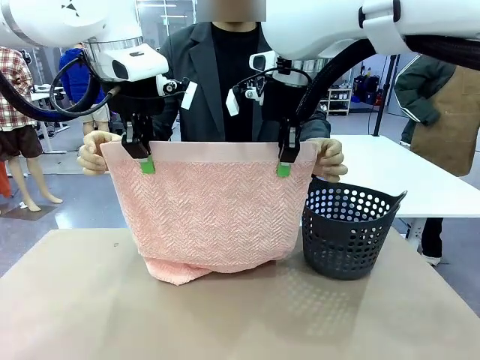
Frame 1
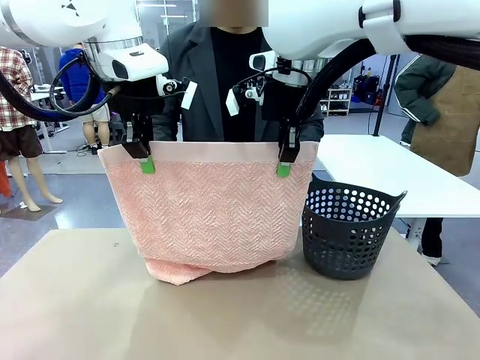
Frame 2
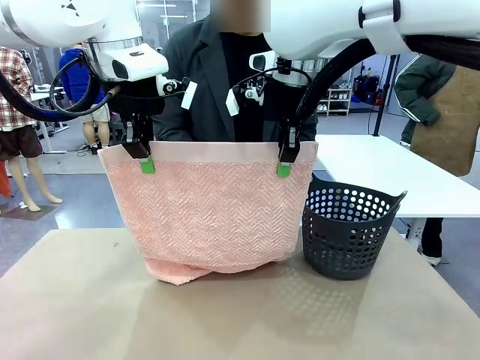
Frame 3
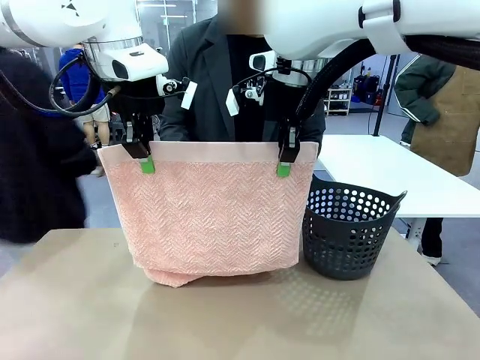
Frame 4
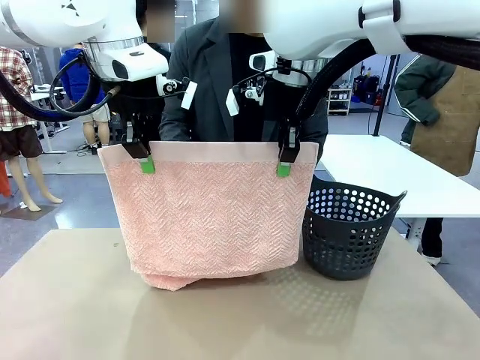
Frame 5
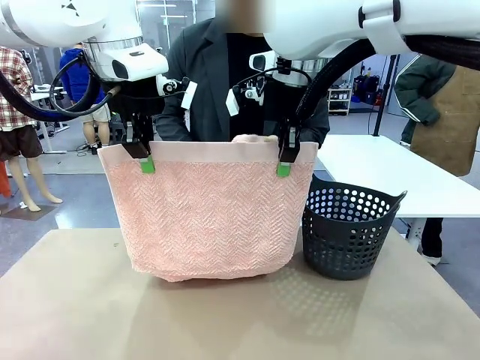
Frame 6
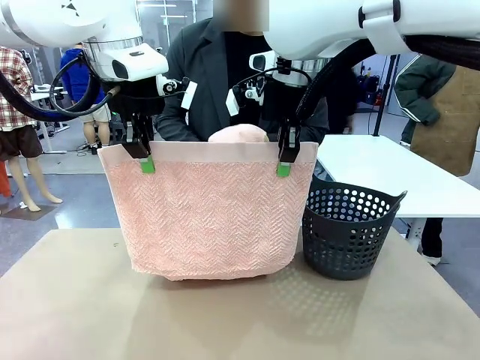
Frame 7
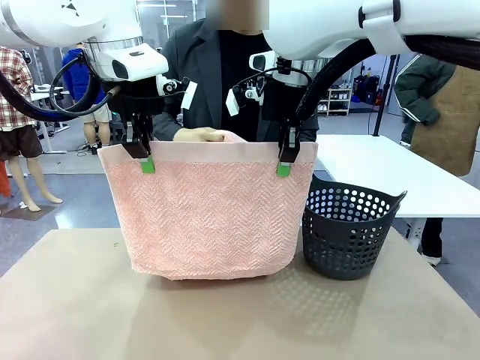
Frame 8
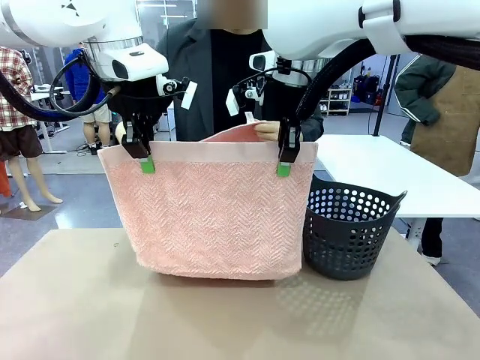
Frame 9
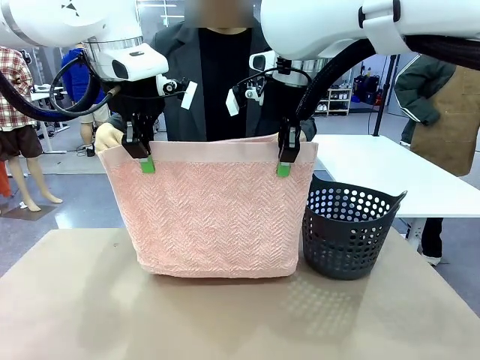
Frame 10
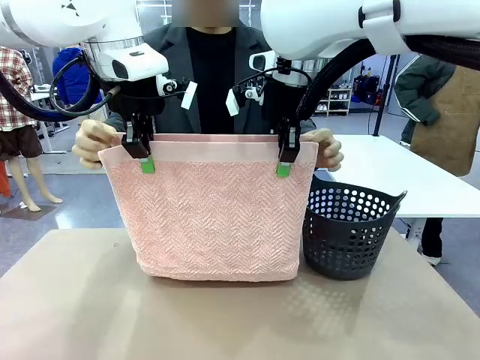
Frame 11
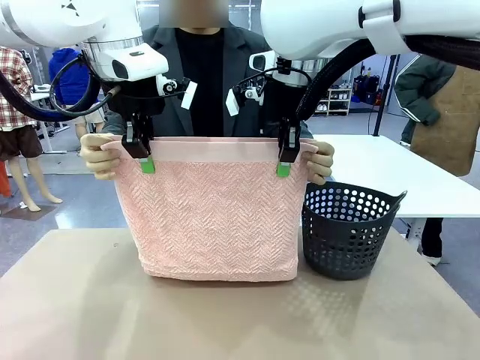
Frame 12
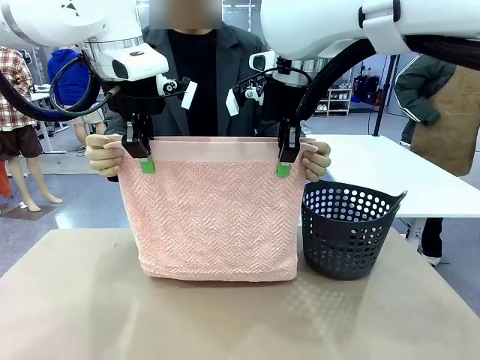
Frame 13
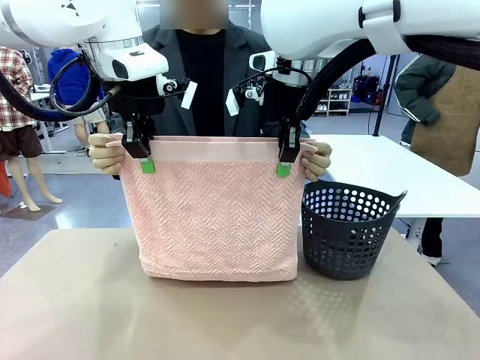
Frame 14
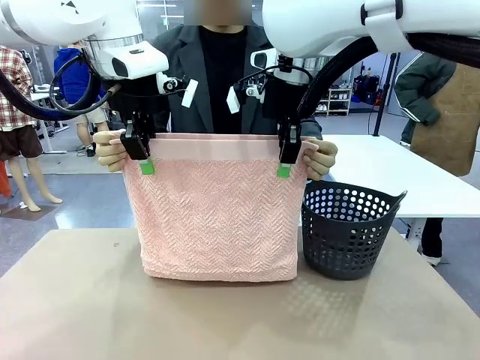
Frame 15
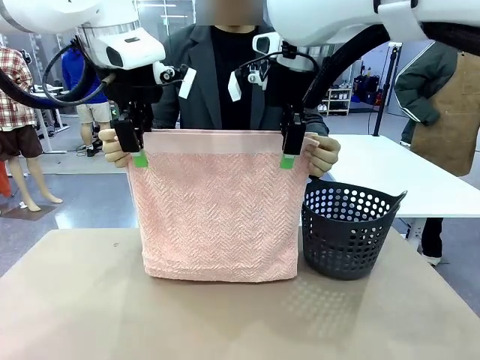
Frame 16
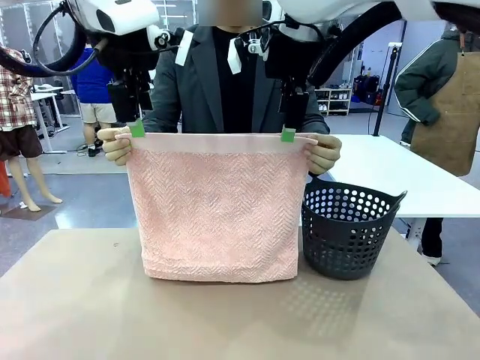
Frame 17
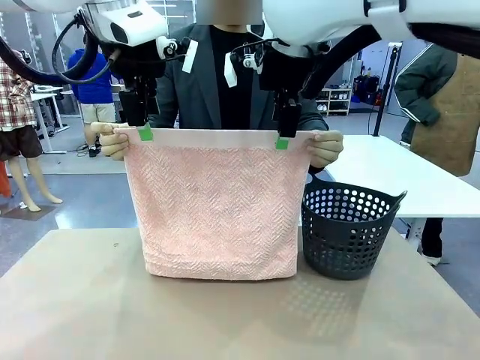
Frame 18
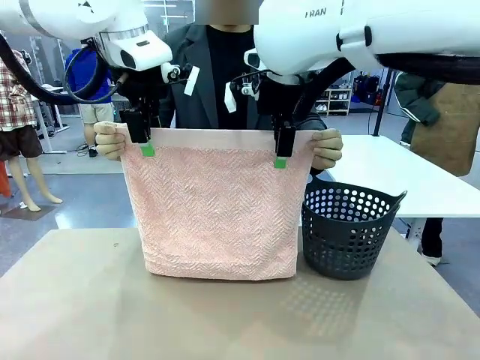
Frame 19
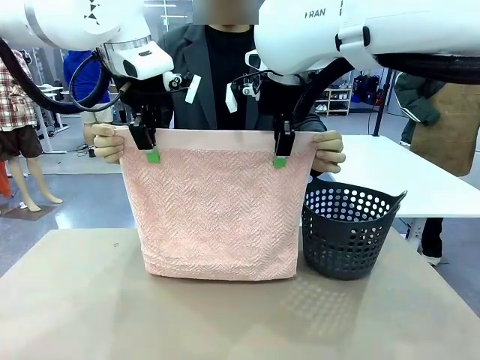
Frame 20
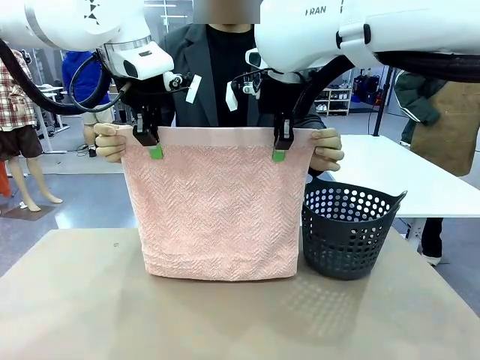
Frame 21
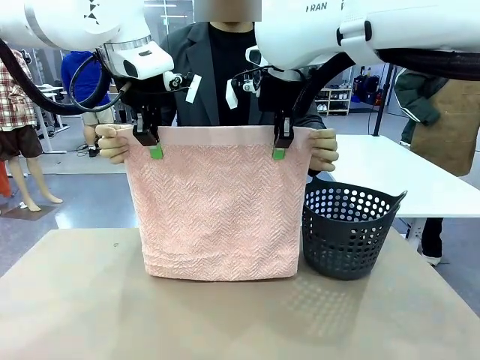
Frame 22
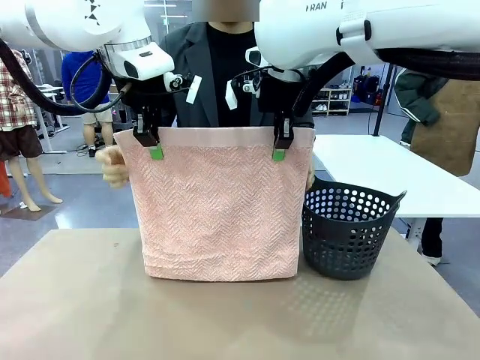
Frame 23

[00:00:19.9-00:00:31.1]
Task: Fold the towel.
Robot: Release the end of the 100 cm Hotel Towel you were holding and grab the top end of the folded side.
Person: Using the point held by the robot as a reference, grasp the opposite end, fold the towel in half, and then hold both ends of the folded towel.

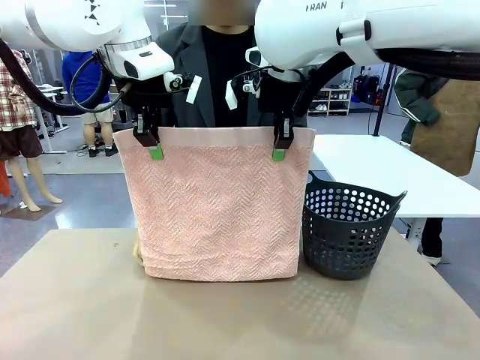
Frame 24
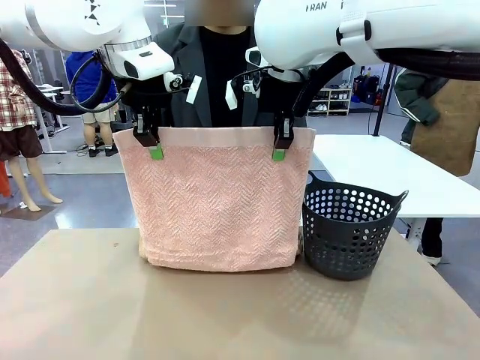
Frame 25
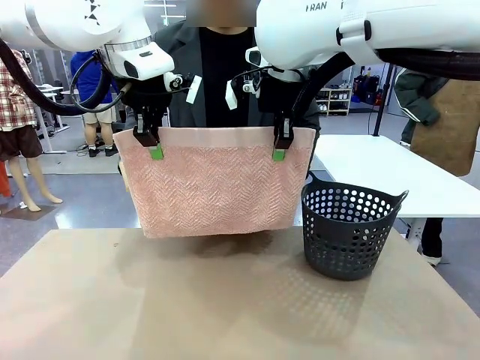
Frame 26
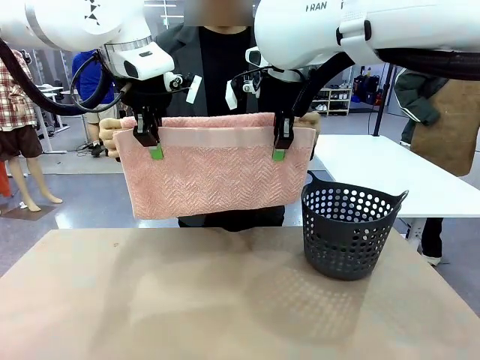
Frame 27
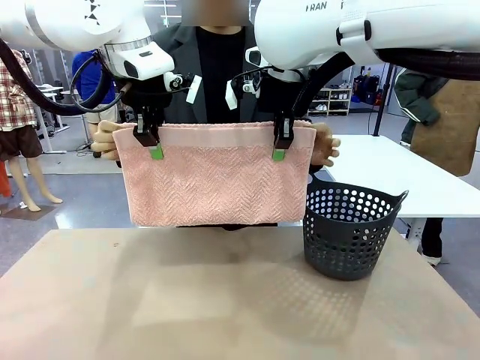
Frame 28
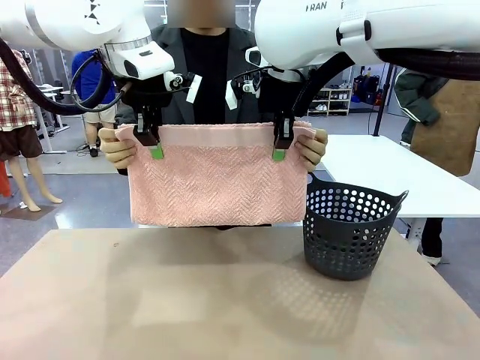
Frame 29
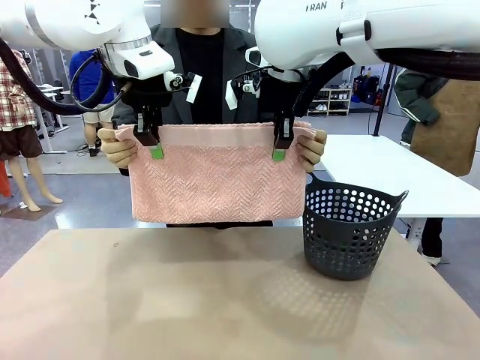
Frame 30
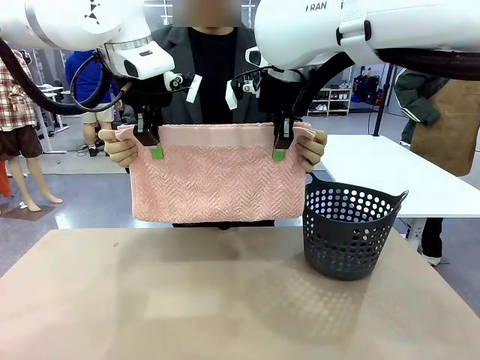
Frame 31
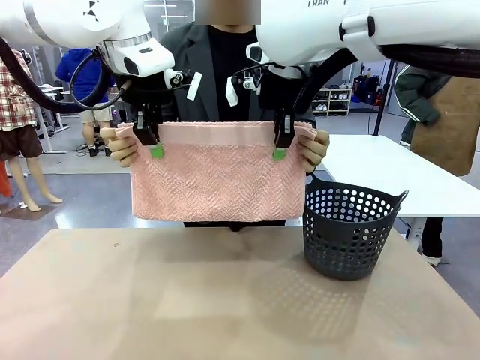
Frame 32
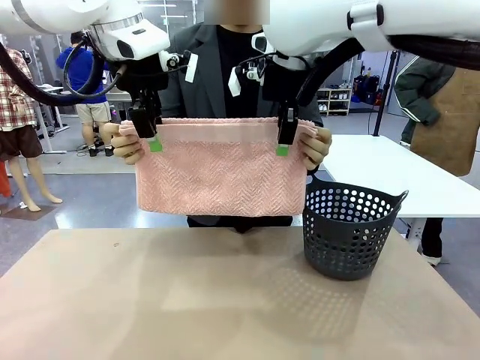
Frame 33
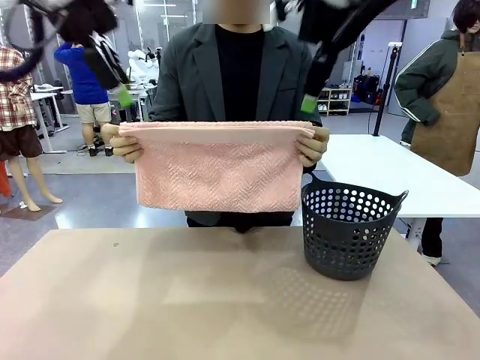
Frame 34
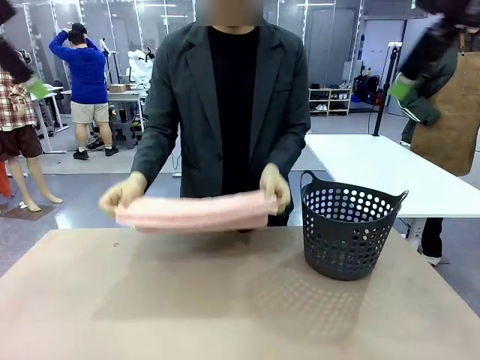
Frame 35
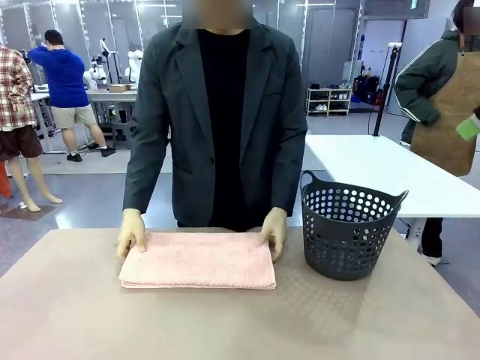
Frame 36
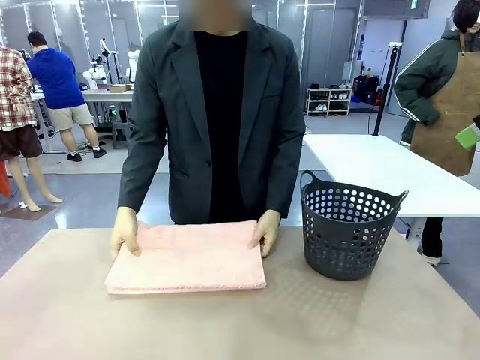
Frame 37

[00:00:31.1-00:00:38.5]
Robot: Release the end of the 100 cm Hotel Towel you were holding.
Person: Place the towel at the center of the robot table and fold it in half.
